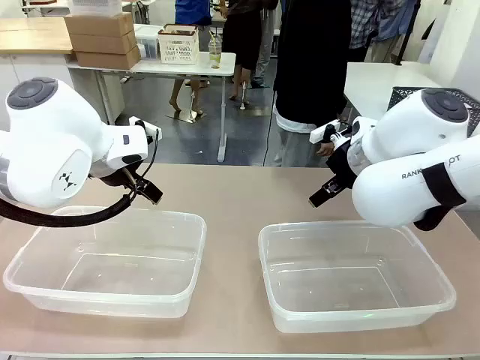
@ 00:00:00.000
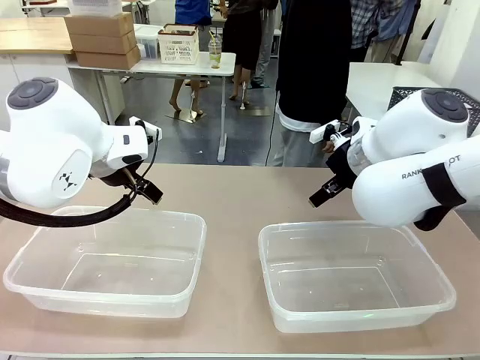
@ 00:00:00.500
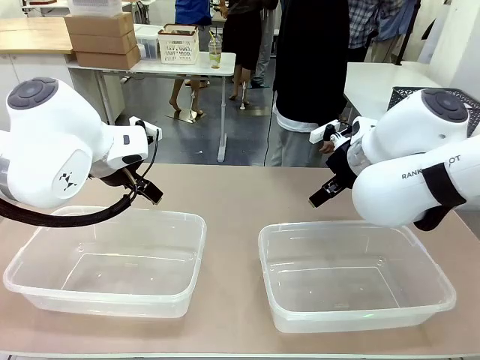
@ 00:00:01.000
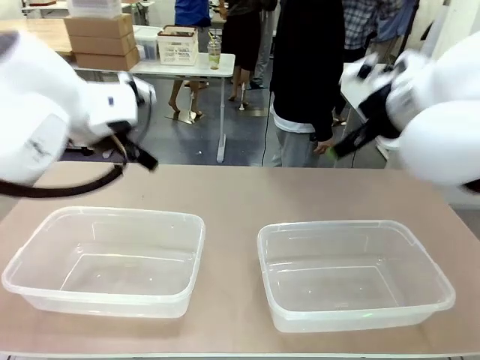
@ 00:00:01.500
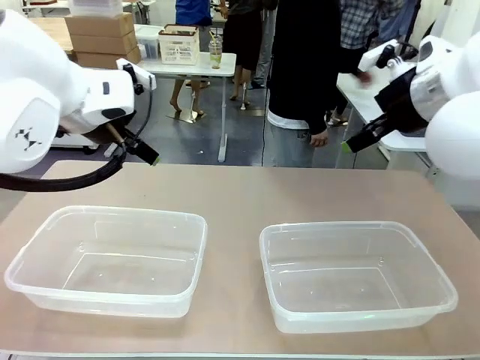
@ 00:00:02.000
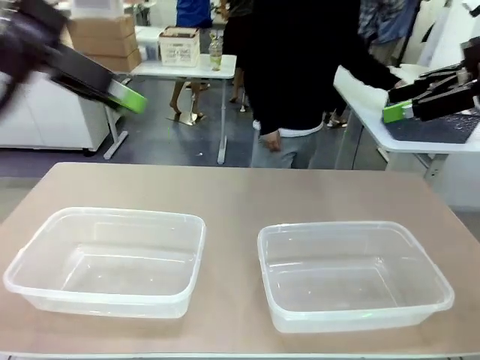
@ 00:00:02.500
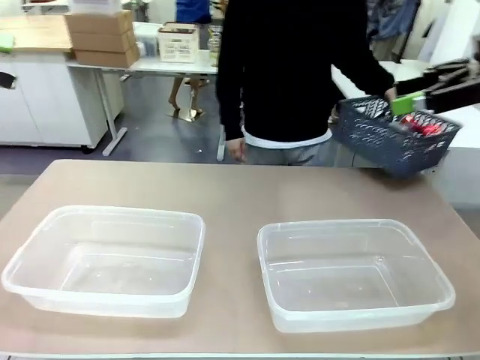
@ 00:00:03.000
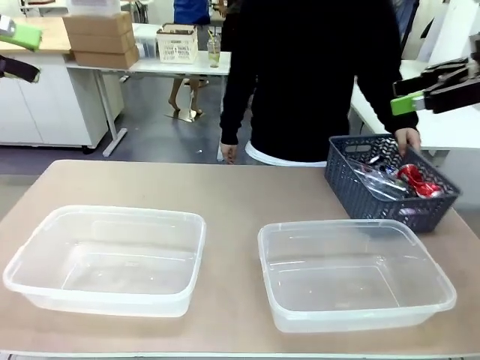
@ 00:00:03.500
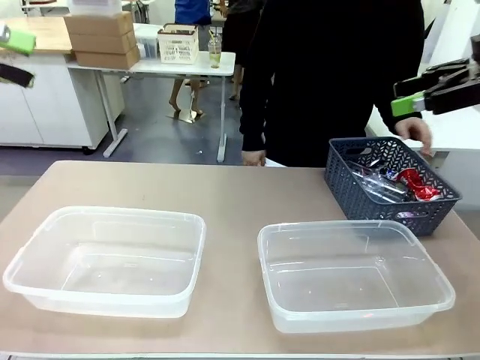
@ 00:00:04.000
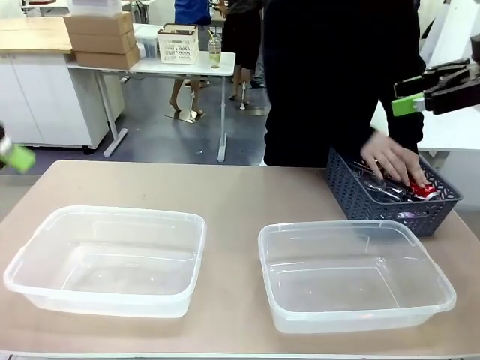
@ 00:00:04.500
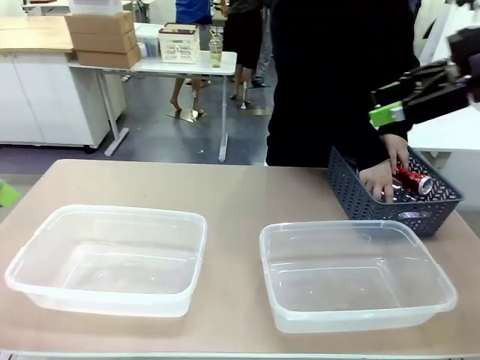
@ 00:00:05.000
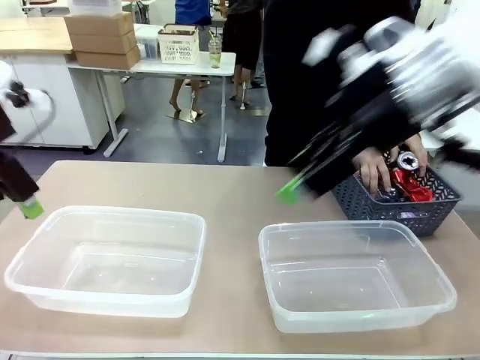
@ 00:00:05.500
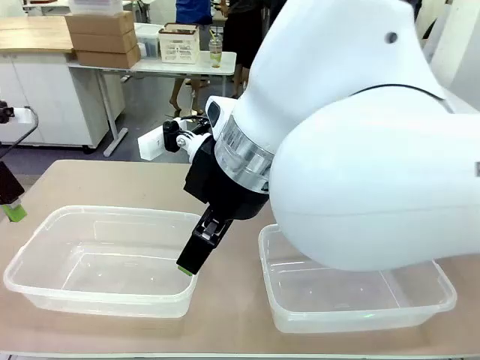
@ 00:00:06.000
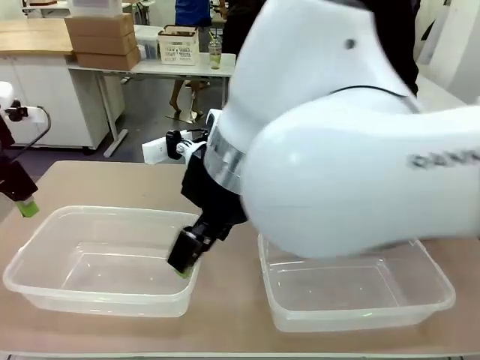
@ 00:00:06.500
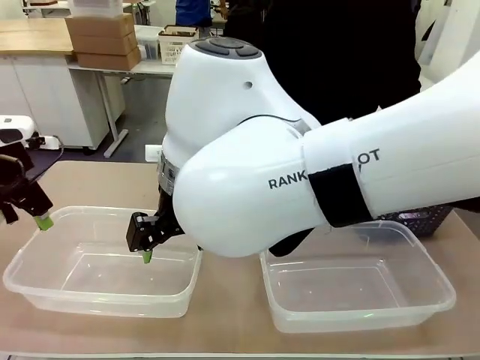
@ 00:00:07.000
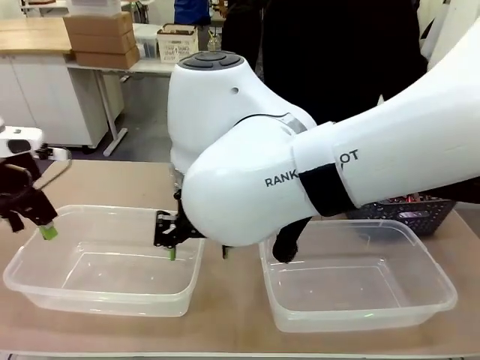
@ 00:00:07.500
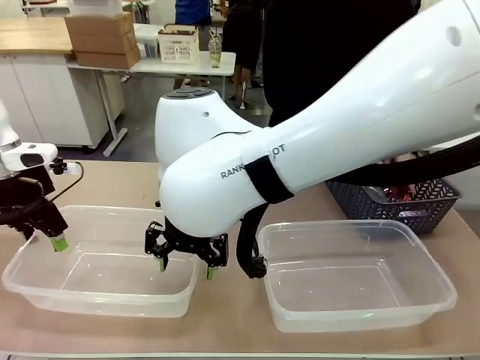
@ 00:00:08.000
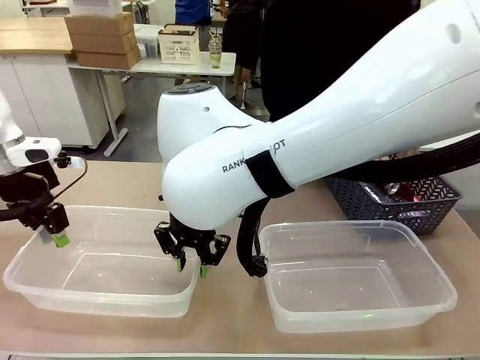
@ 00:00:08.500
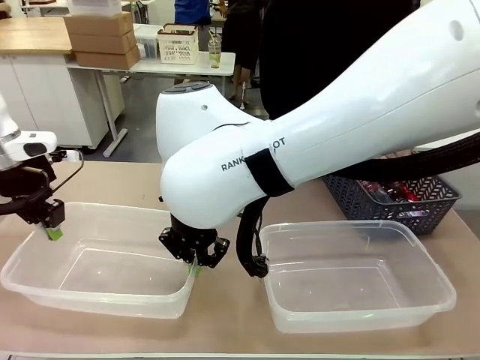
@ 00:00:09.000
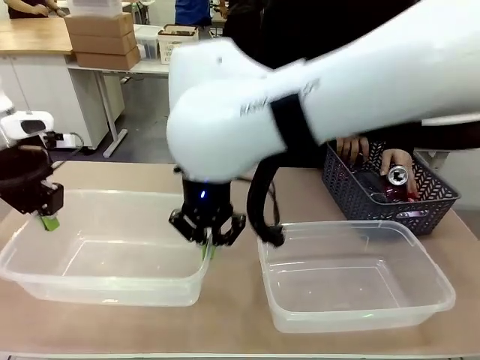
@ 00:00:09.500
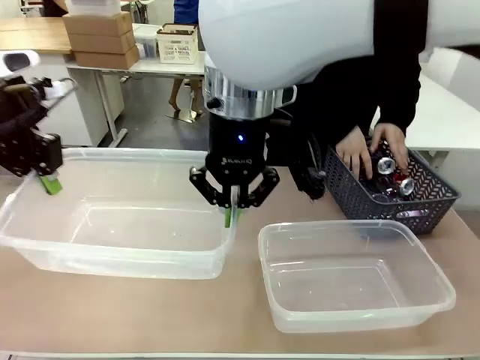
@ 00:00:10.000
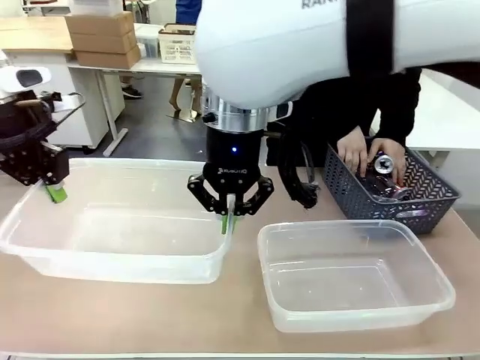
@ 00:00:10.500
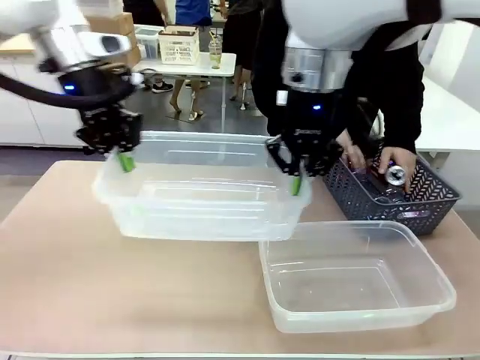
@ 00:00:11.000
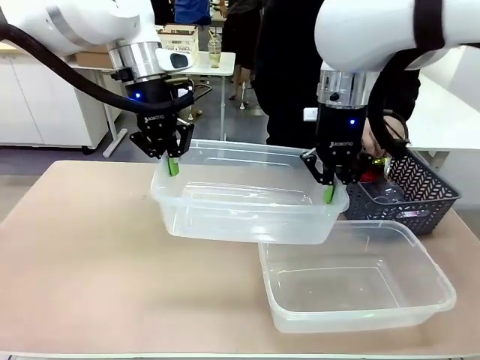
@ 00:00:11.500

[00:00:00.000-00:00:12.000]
Robot: Pick up the Organizing box on the left side of the table and lift it.
Person: Pick up the storage basket and place it on the left side of the robot table. Pick up can-shaped waste one by one and place it into the organizing box lifted by the robot.

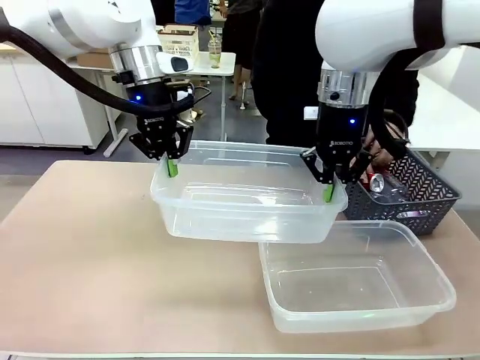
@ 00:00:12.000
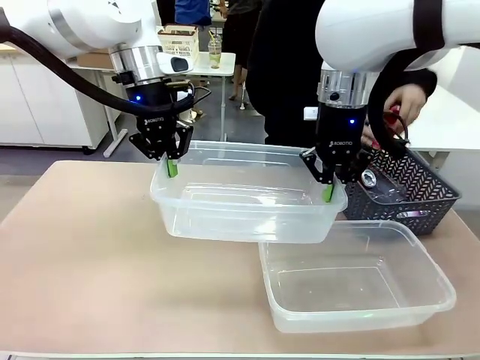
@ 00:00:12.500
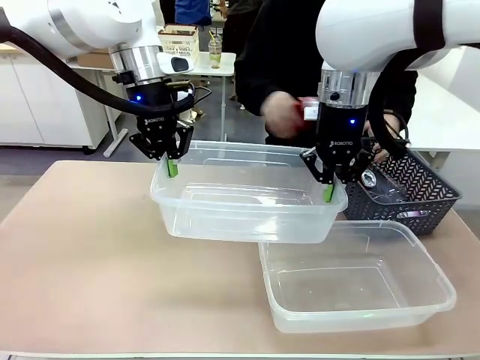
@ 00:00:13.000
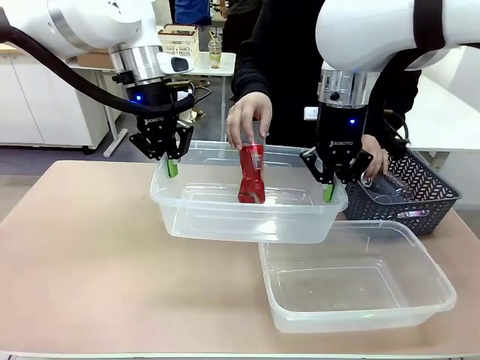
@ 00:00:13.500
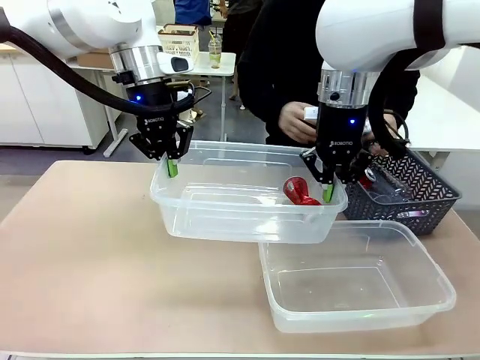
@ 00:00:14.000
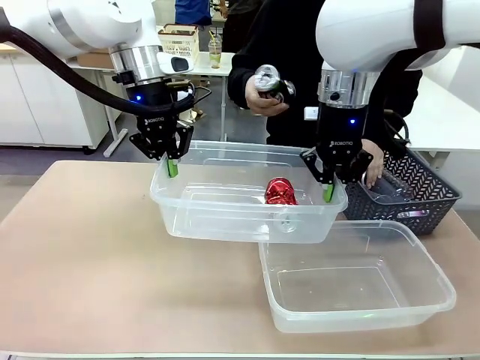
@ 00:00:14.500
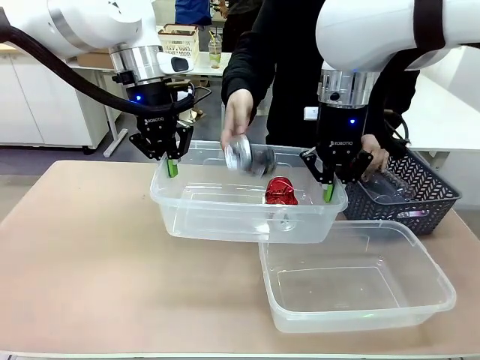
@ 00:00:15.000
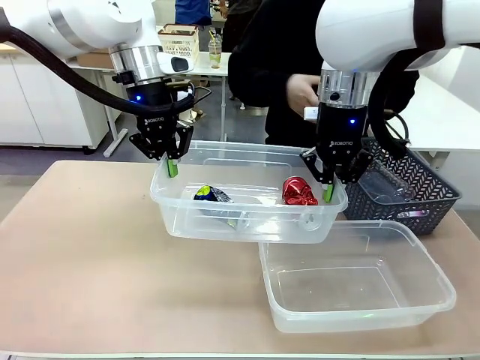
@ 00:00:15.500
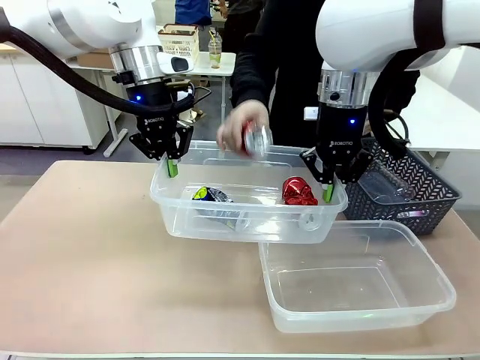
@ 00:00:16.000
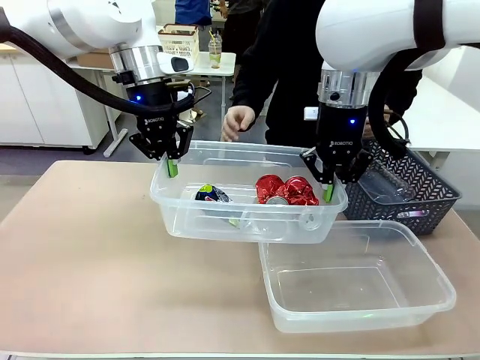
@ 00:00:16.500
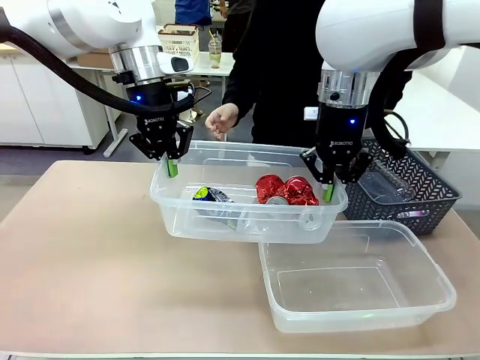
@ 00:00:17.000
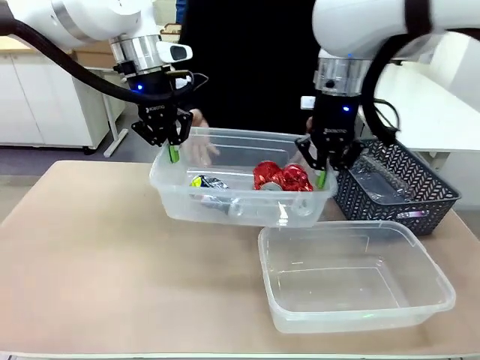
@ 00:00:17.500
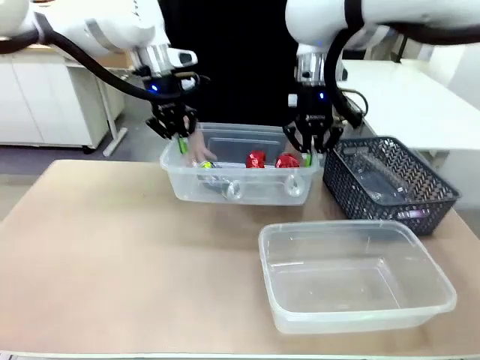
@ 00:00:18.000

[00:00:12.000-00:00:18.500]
Robot: Offer the picked Organizing box to the human.
Person: Pick up the organizing box extended by the robot.

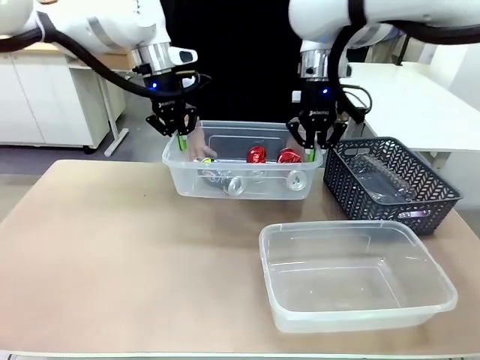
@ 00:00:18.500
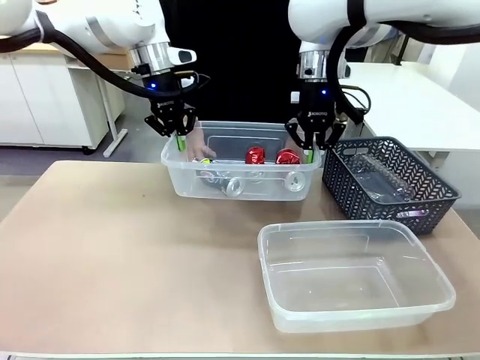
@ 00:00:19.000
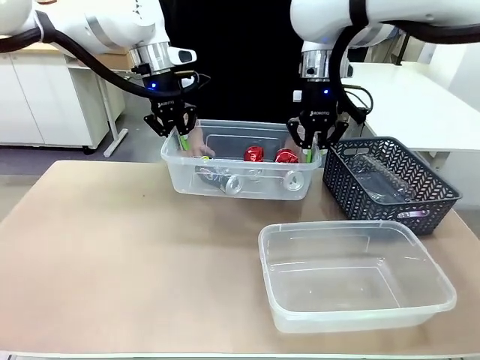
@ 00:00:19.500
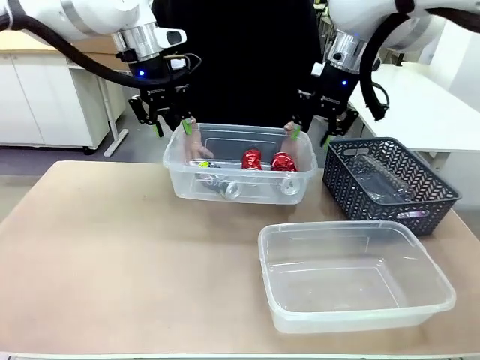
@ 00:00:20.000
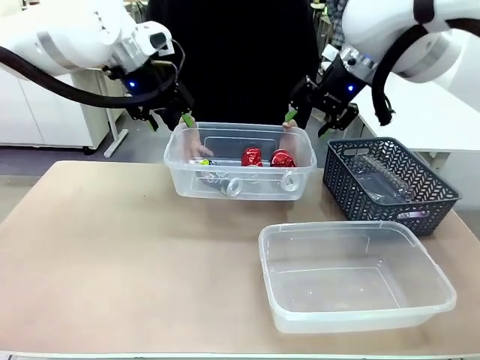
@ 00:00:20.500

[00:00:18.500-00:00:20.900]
Robot: Release the Organizing box you were holding.

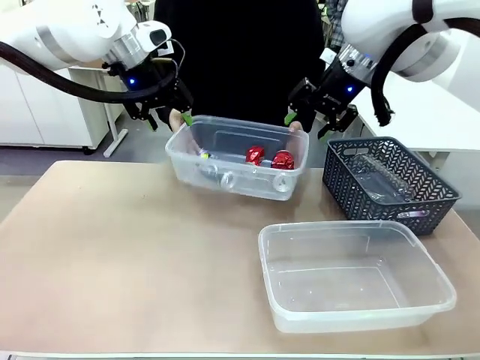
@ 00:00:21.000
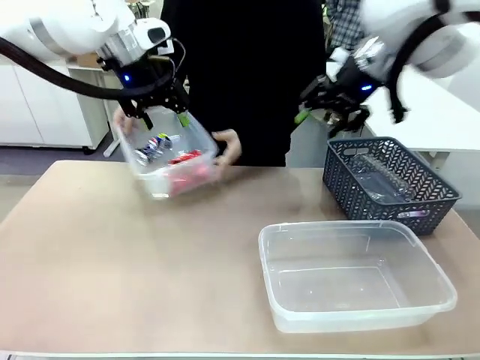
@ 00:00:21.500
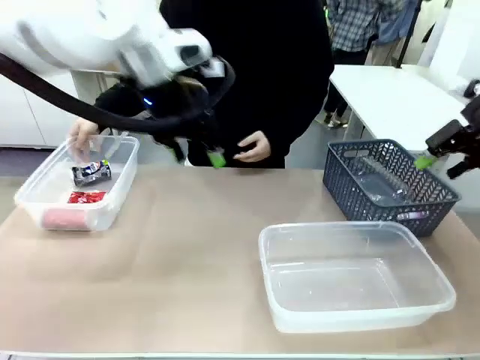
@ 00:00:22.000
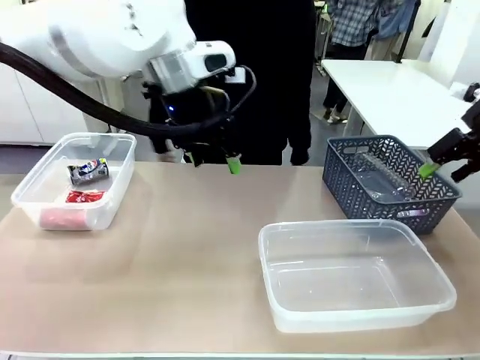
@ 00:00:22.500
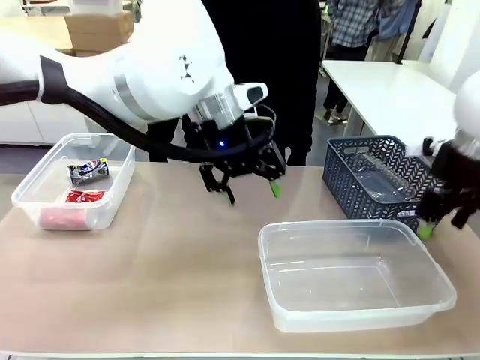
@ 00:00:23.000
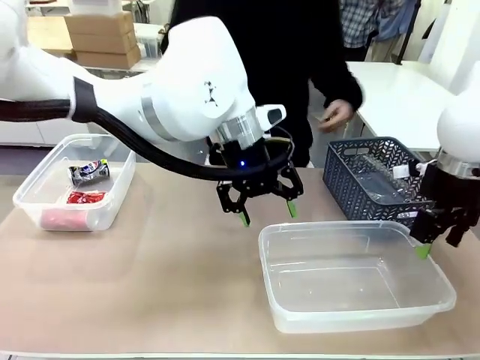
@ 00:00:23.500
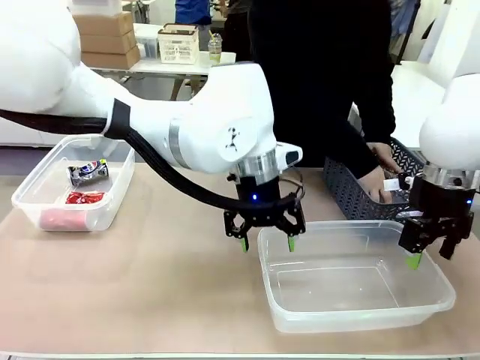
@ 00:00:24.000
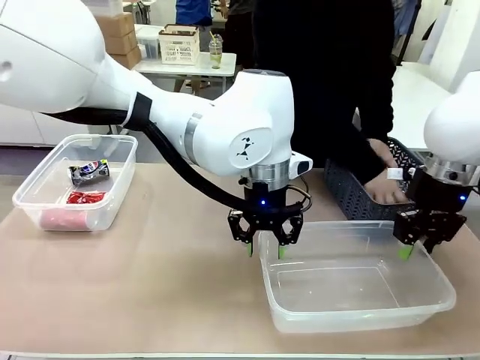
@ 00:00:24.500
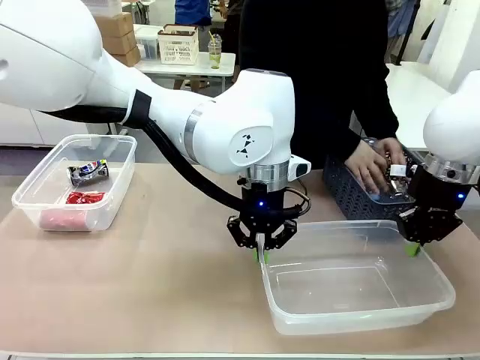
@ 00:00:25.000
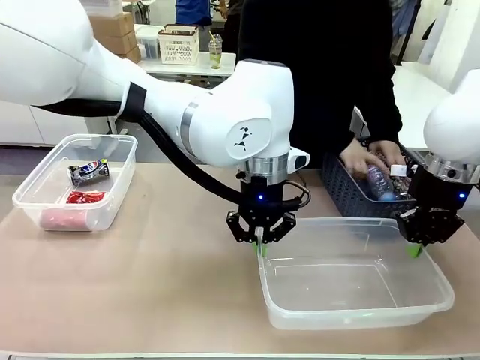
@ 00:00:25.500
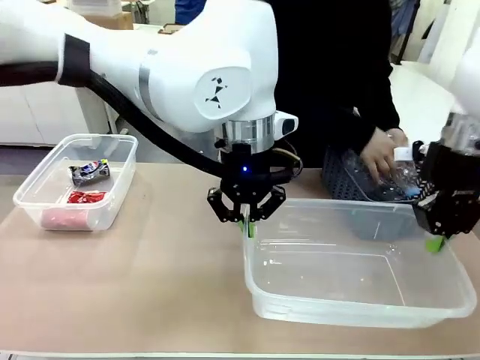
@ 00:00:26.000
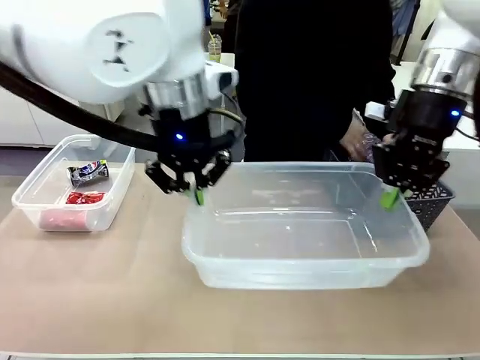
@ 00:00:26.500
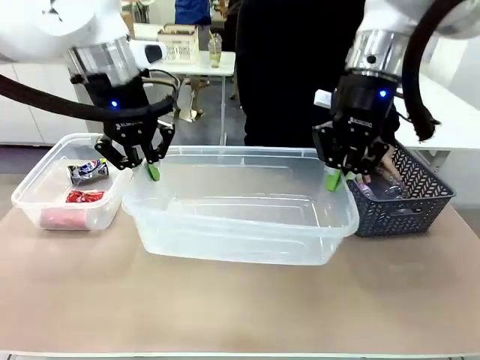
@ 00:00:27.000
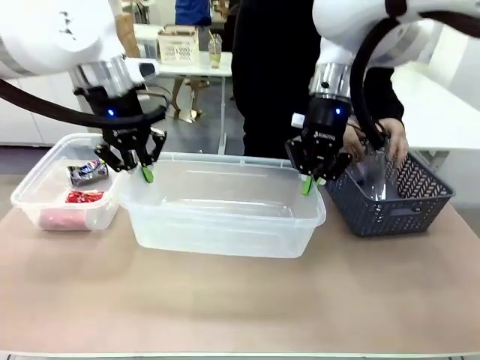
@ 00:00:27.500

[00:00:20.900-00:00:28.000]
Robot: Pick up the Organizing box on the right side of the table and lift it.
Person: Place it at the edge of the bottom right area of the robot table. Pick up plastic waste one by one and place it into the organizing box lifted by the robot.

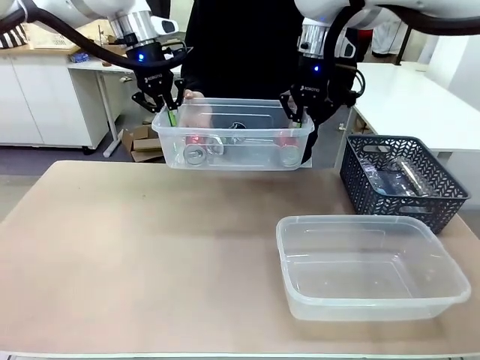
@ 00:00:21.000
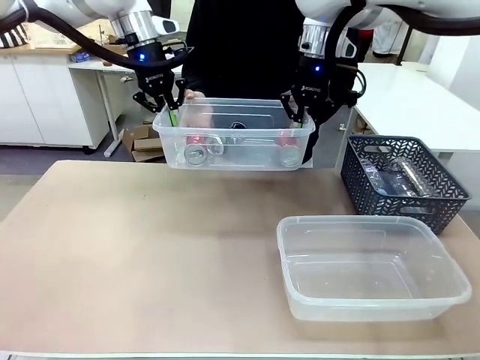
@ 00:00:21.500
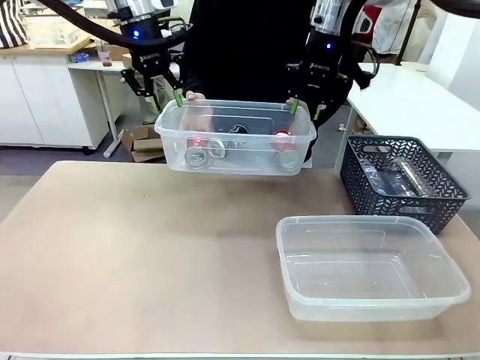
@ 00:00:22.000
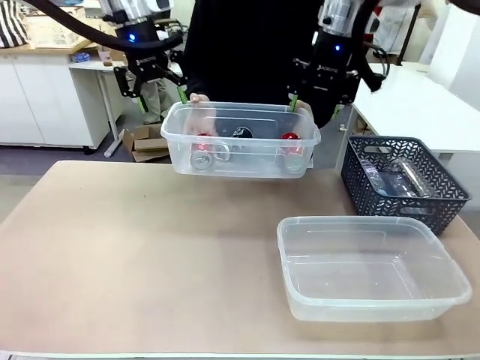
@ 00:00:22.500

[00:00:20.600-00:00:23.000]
Robot: Release the Organizing box you were holding.
